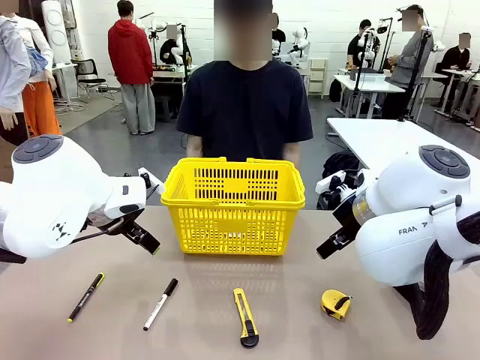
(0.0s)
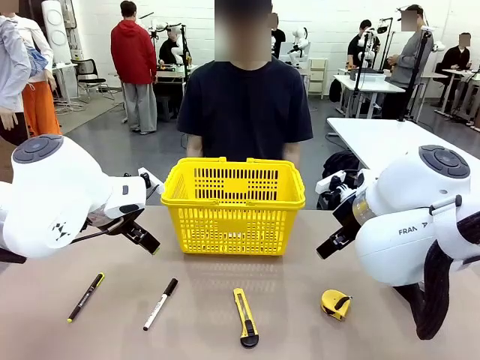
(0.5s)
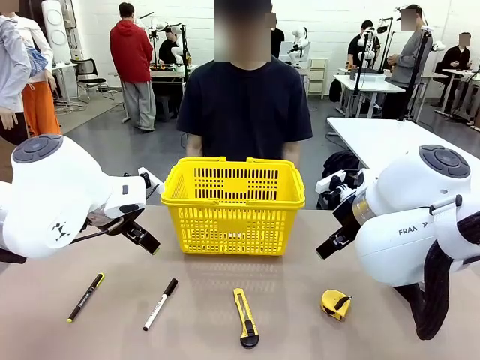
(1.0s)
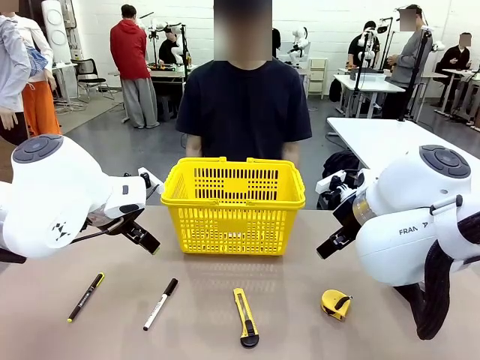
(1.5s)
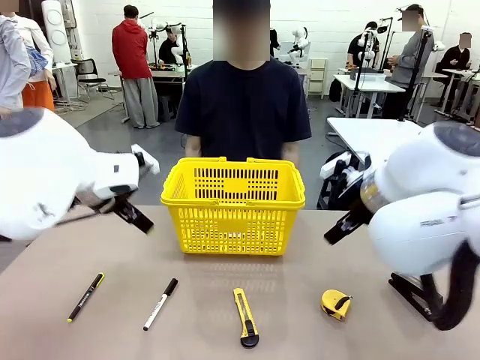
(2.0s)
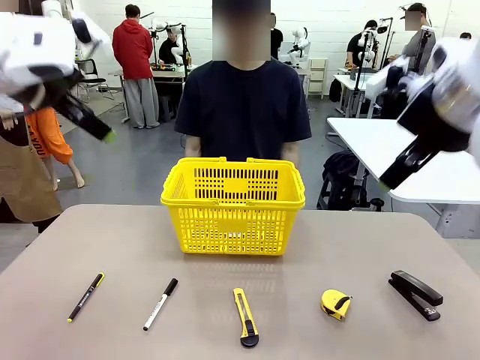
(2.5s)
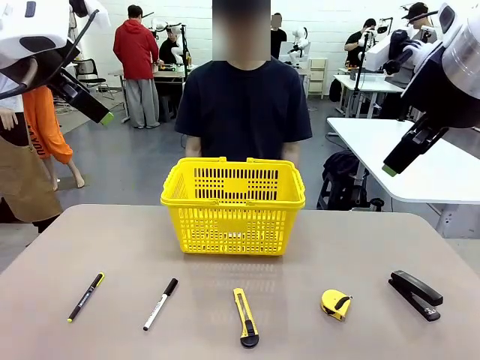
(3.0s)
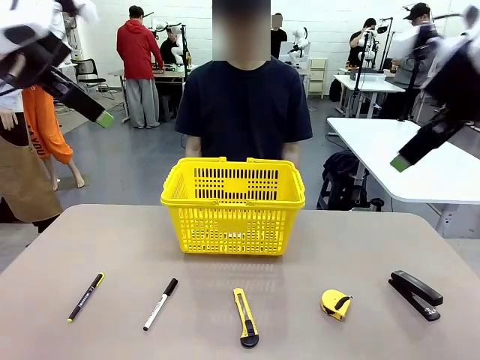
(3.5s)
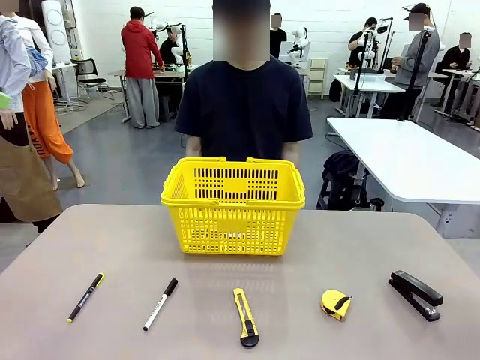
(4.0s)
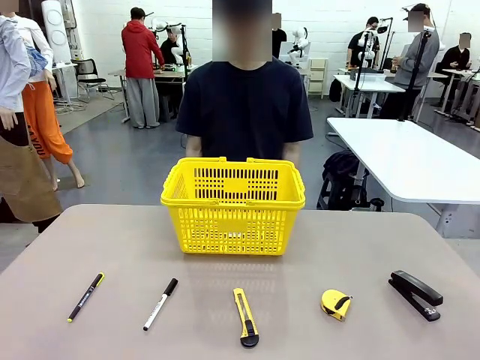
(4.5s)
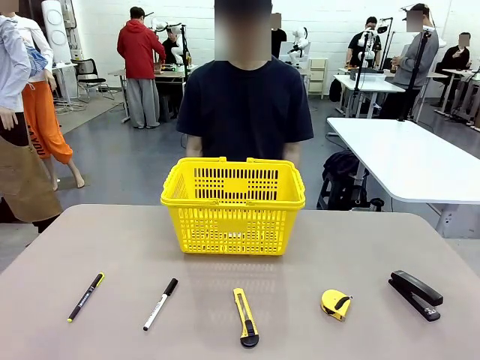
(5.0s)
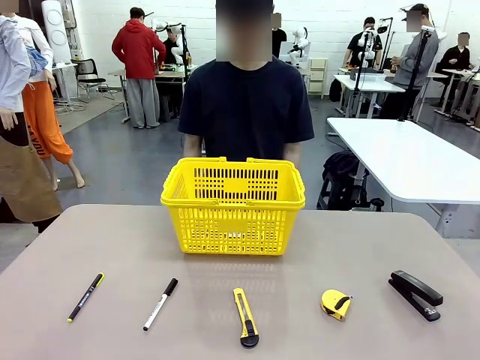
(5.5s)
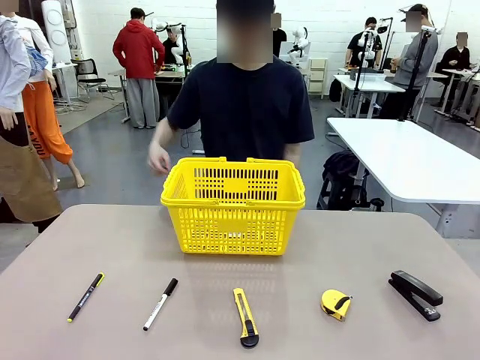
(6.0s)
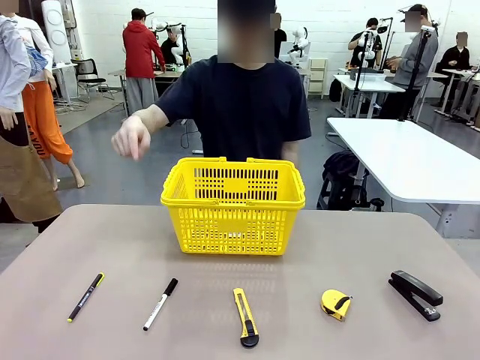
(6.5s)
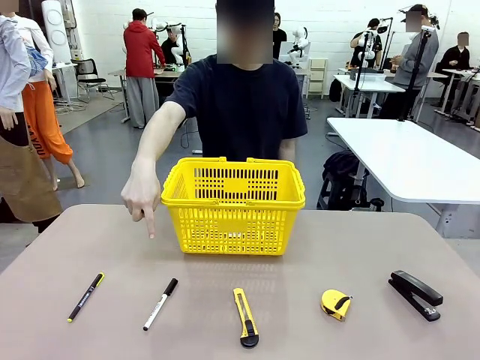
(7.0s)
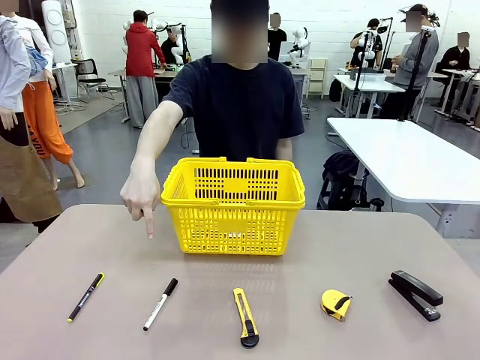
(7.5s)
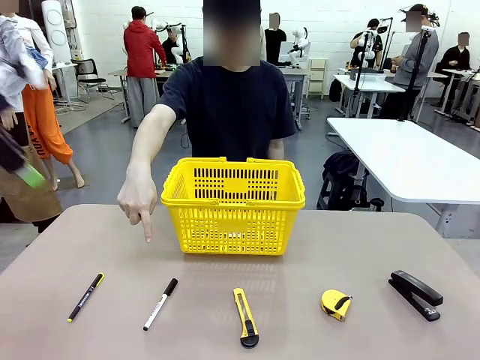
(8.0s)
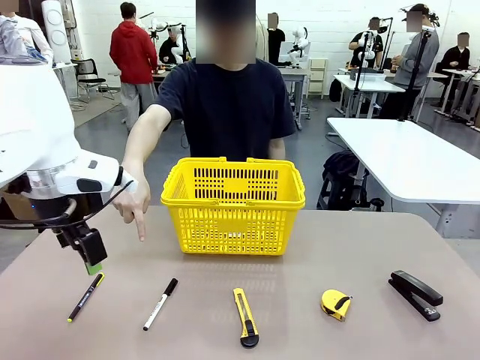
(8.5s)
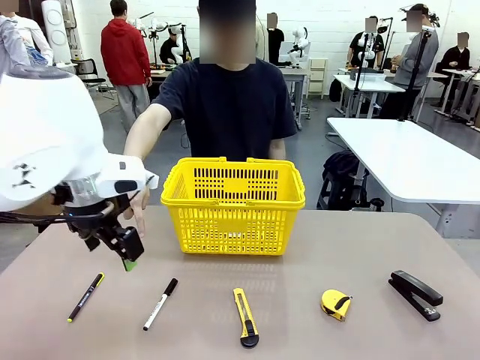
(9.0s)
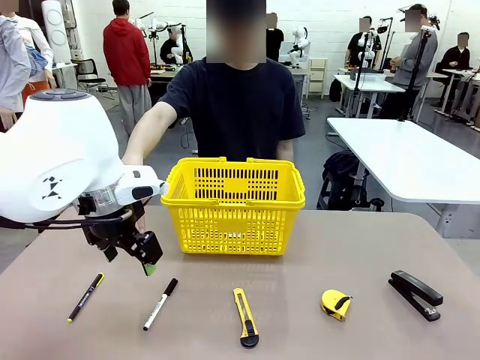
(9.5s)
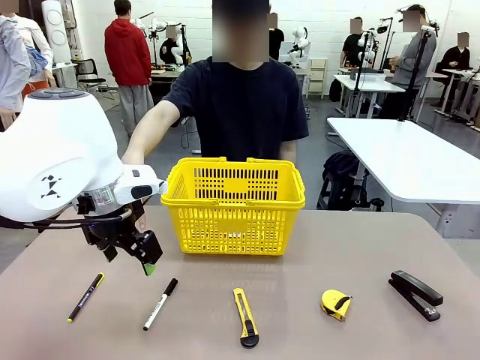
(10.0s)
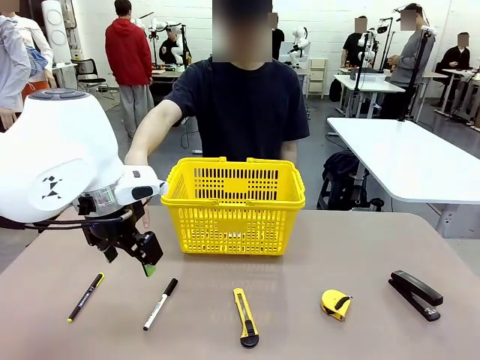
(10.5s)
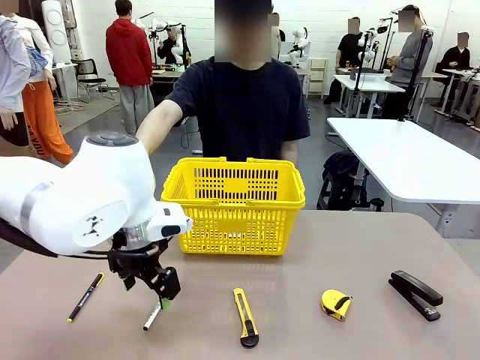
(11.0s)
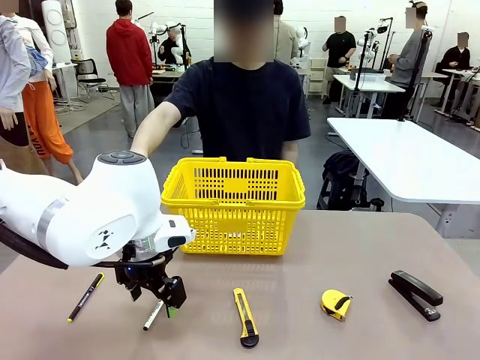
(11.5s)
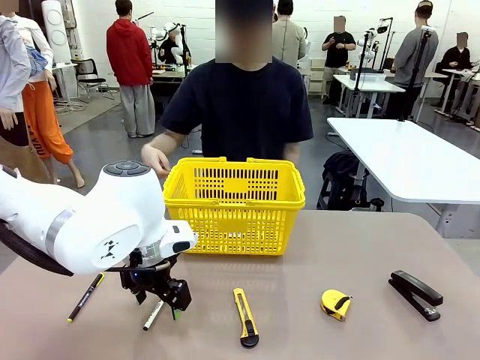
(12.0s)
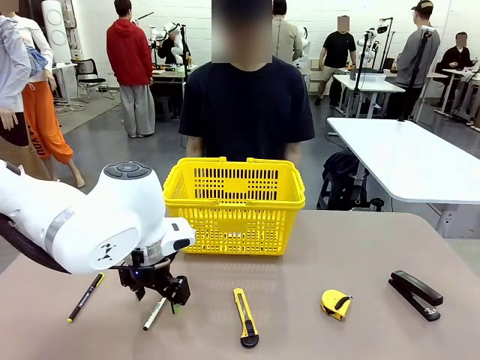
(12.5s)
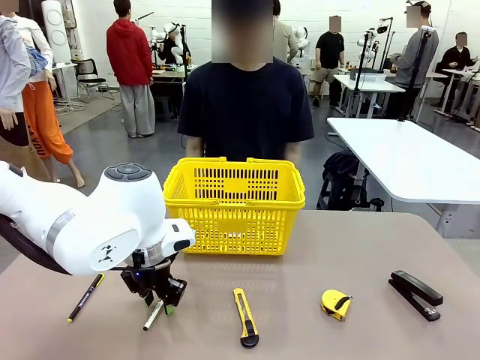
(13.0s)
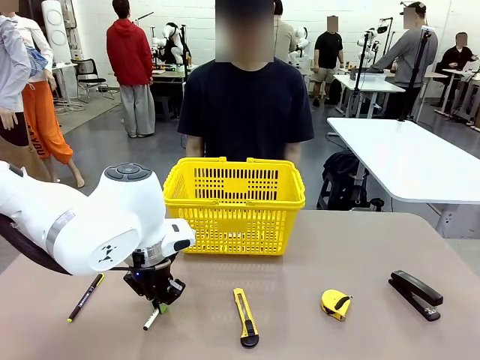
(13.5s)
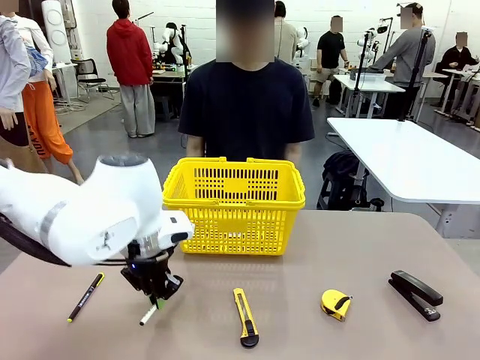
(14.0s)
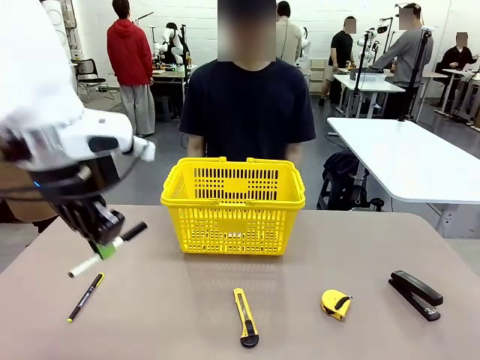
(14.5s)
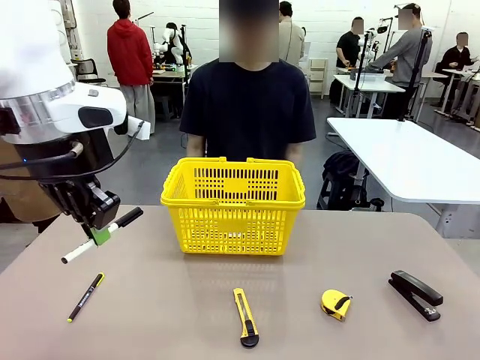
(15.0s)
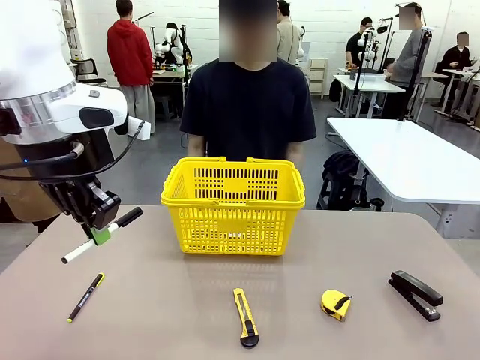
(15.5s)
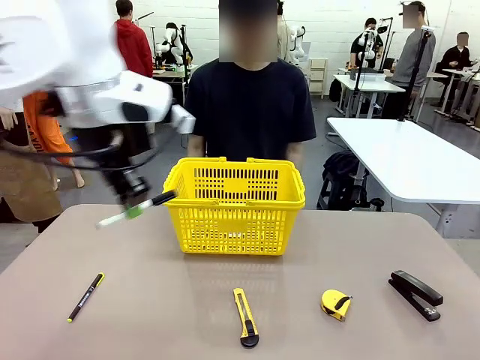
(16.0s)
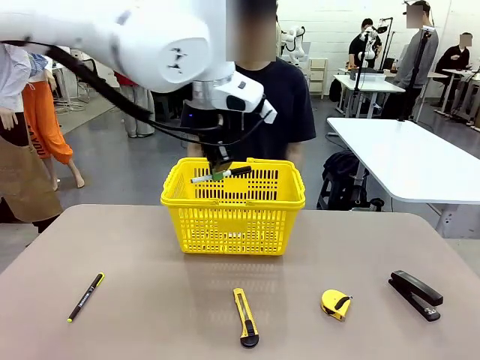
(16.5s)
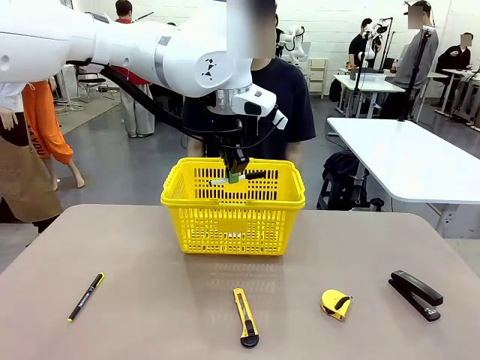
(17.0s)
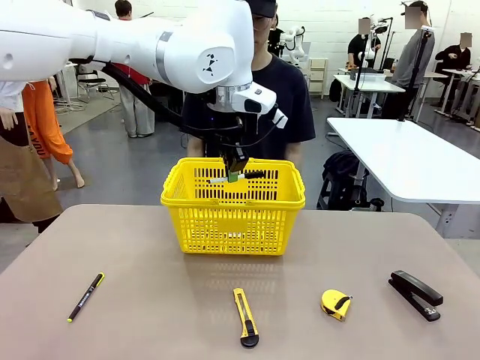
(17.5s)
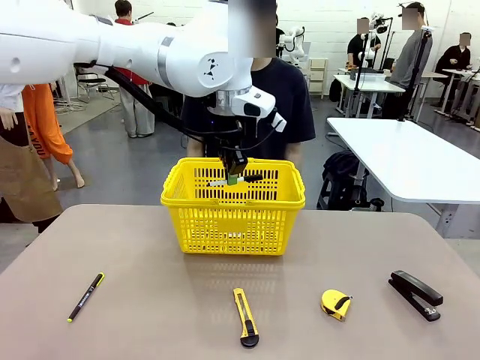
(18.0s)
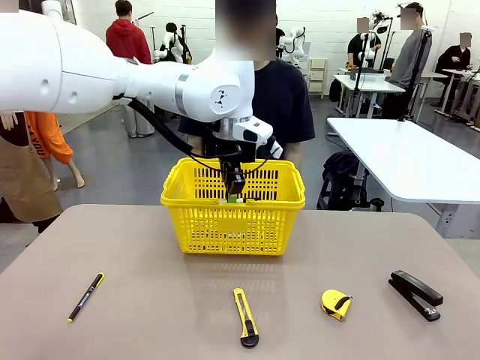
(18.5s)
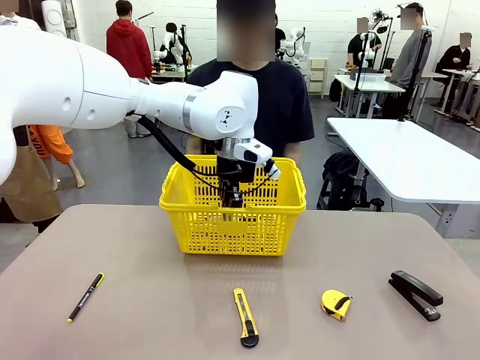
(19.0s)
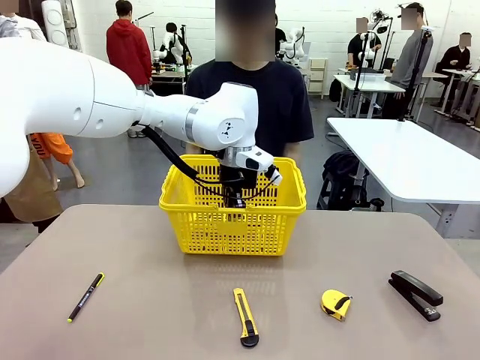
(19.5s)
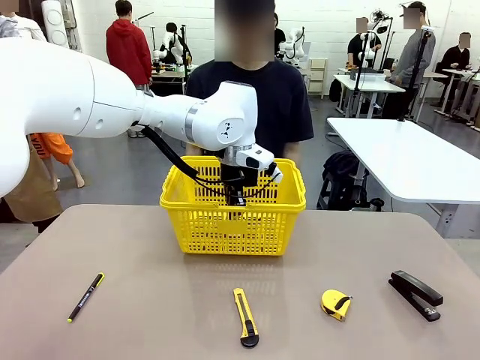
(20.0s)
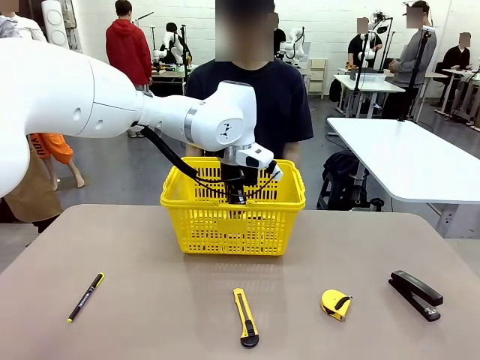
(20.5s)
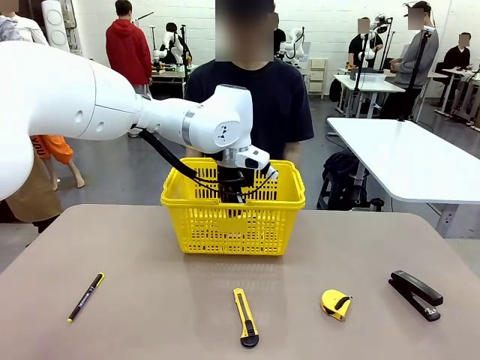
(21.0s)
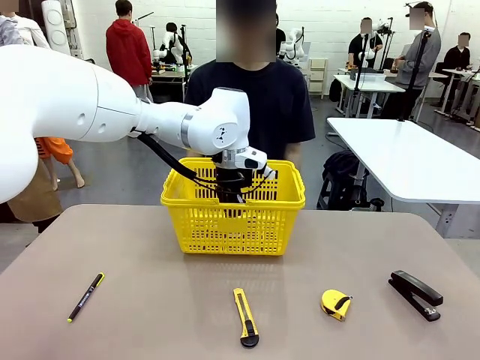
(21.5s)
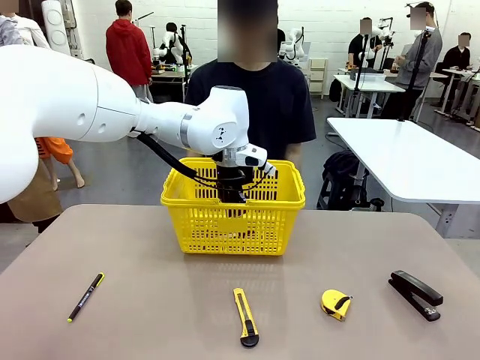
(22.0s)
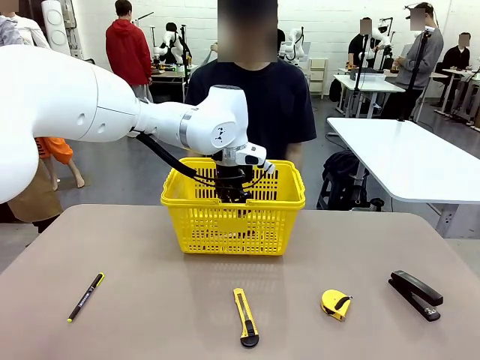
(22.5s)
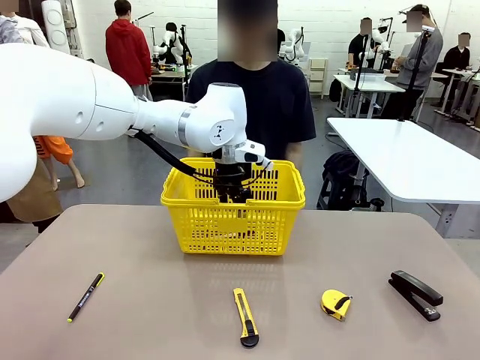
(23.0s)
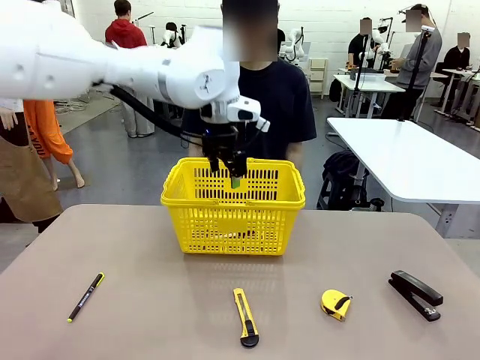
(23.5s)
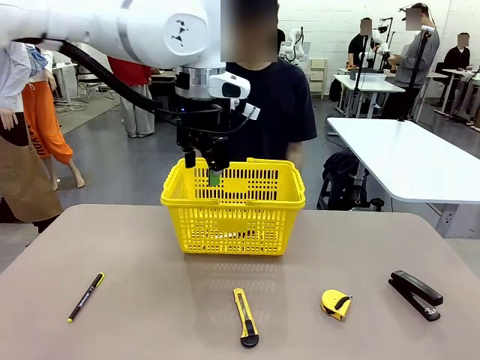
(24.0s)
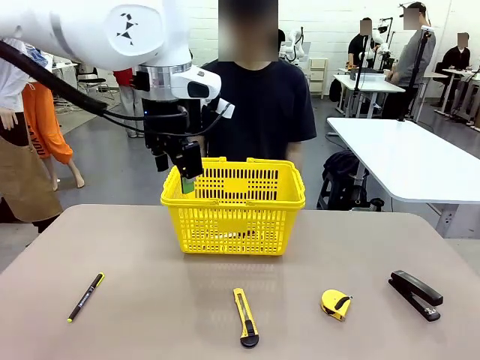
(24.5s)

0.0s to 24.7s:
Task: Place the items the person wants into the basket.
Robot: Pick up the item the person points to and place it in the Market Basket.
